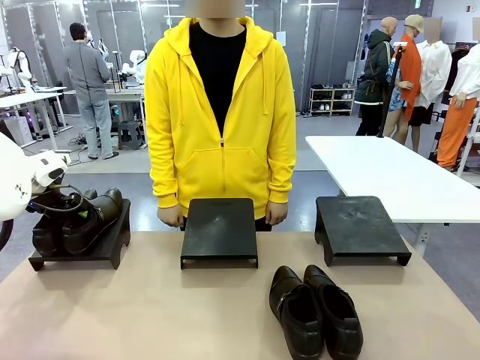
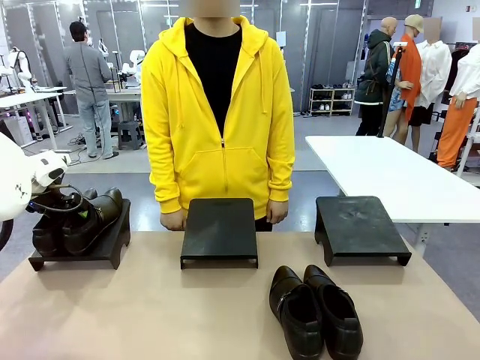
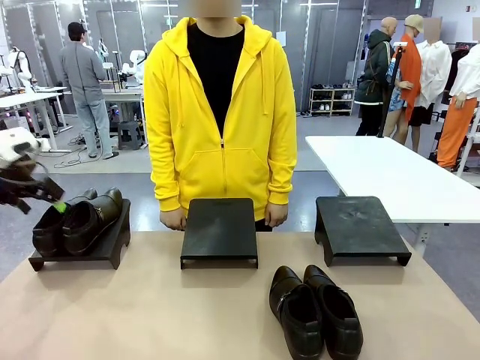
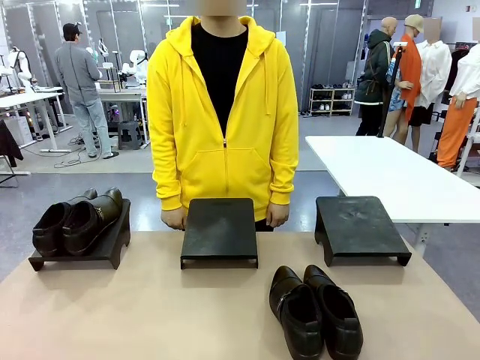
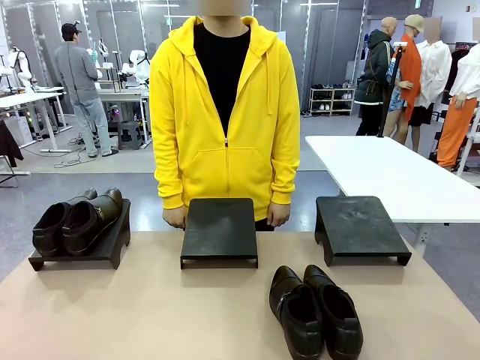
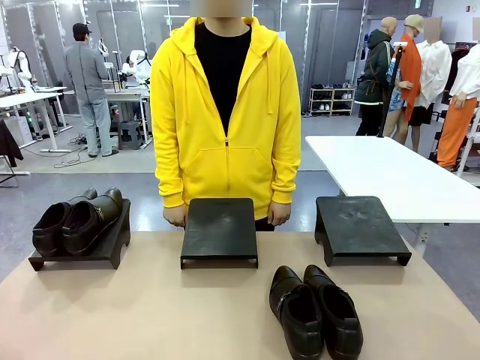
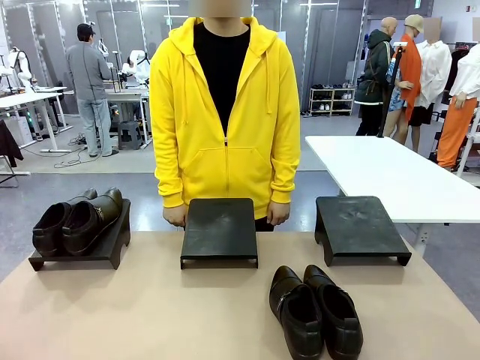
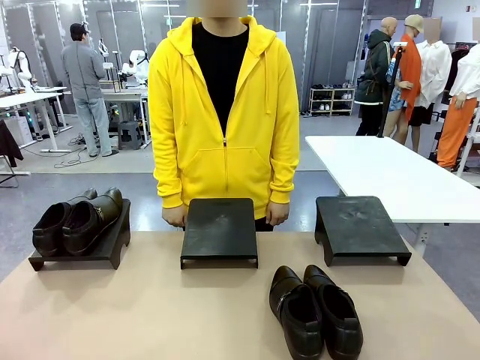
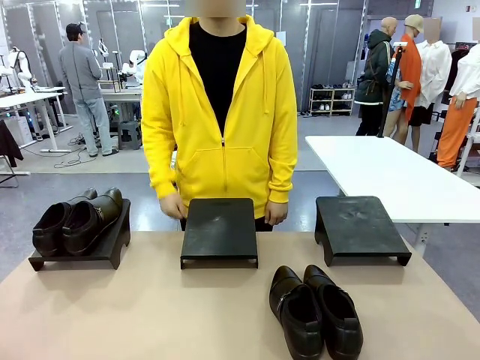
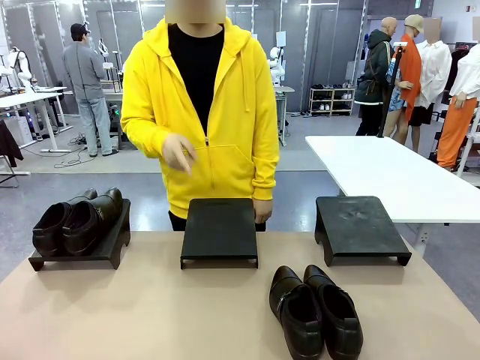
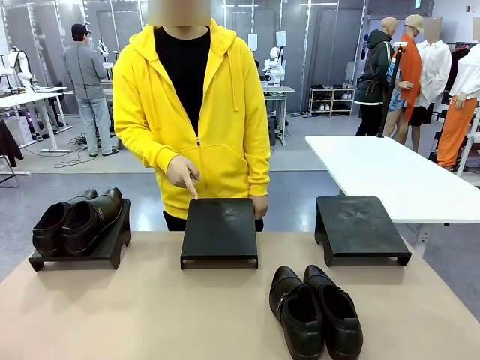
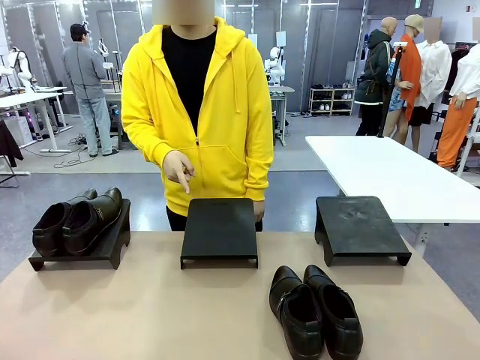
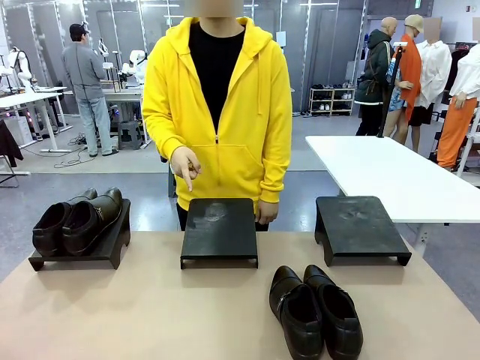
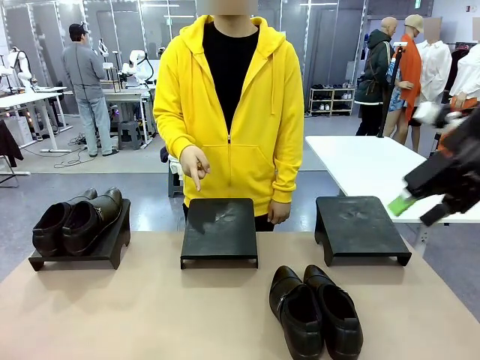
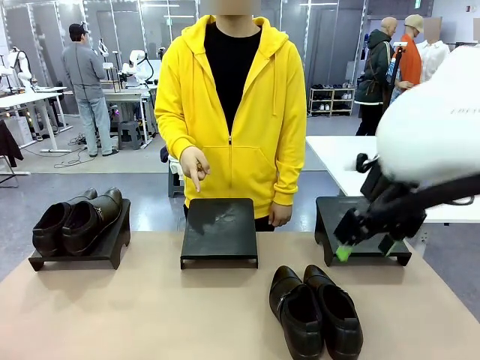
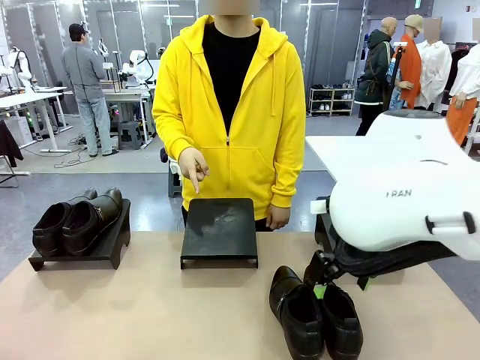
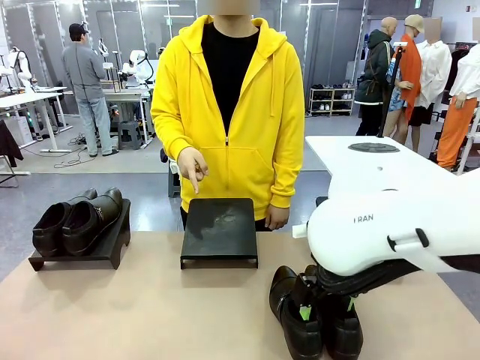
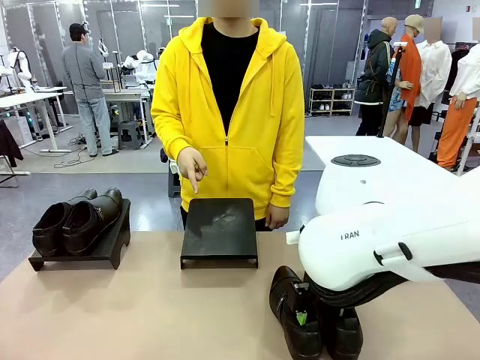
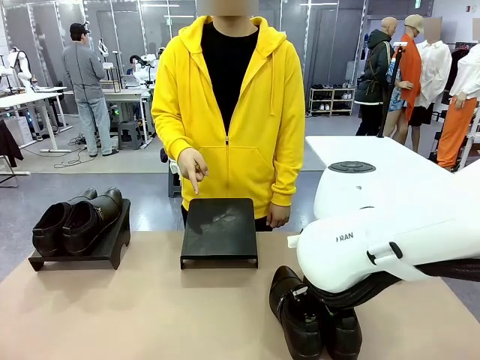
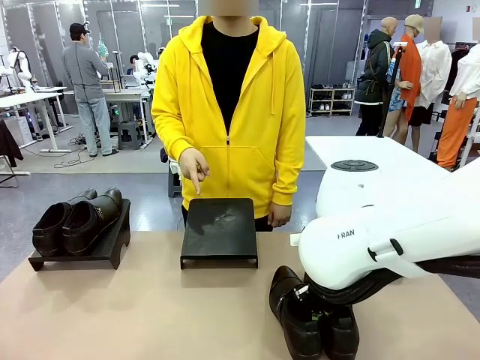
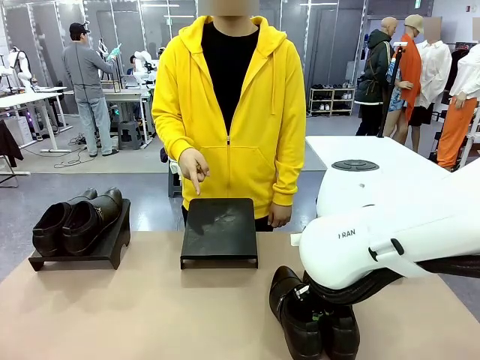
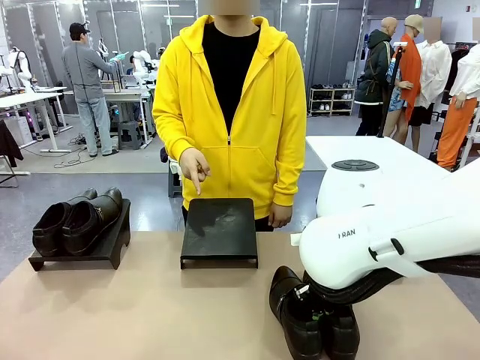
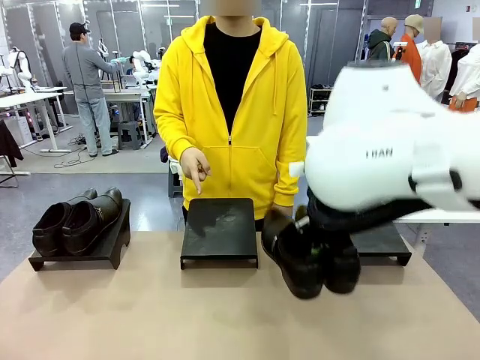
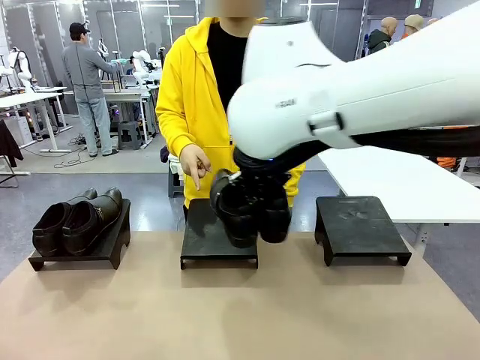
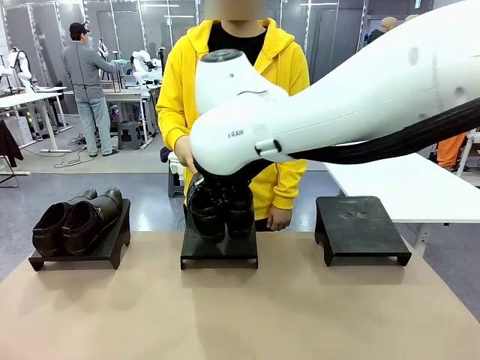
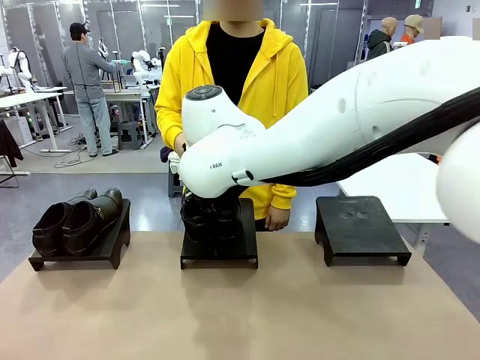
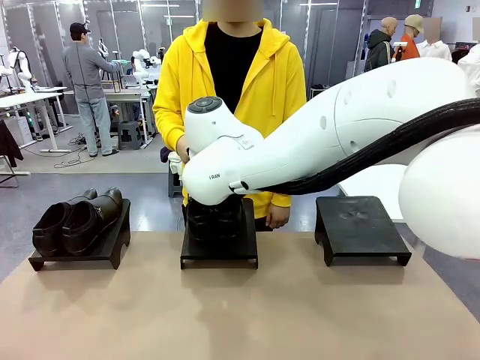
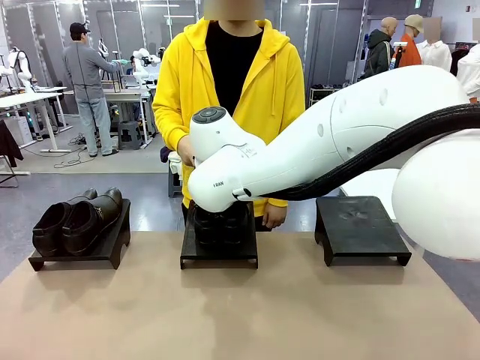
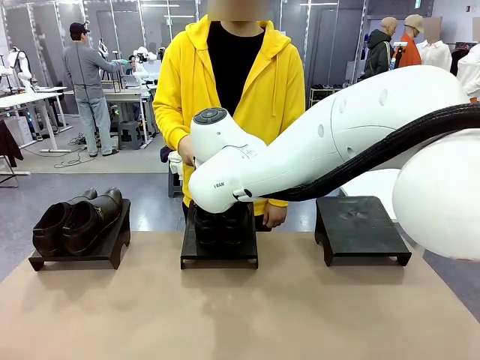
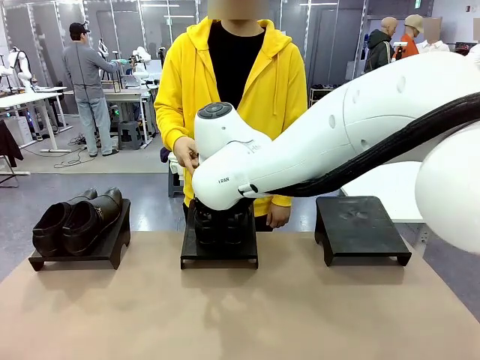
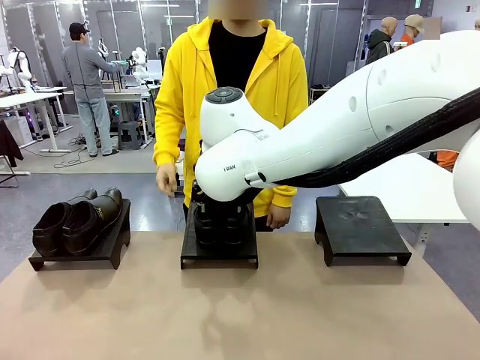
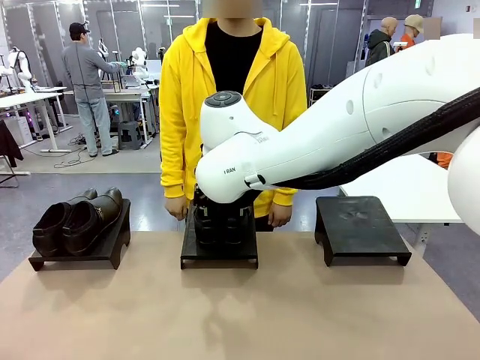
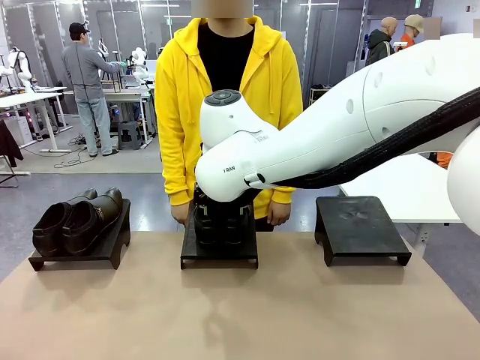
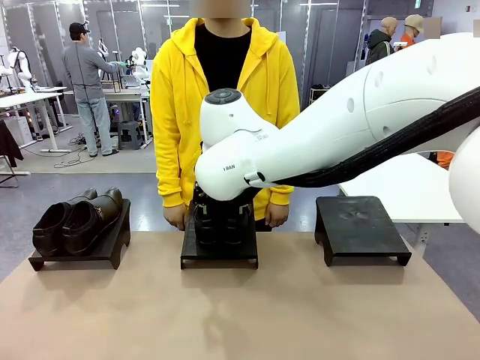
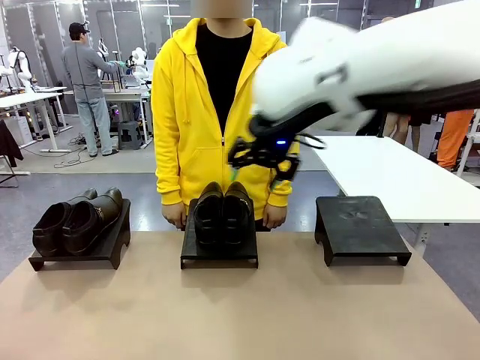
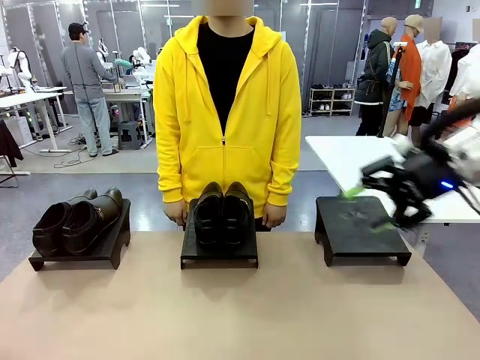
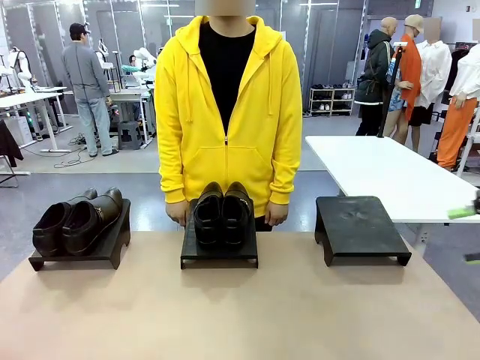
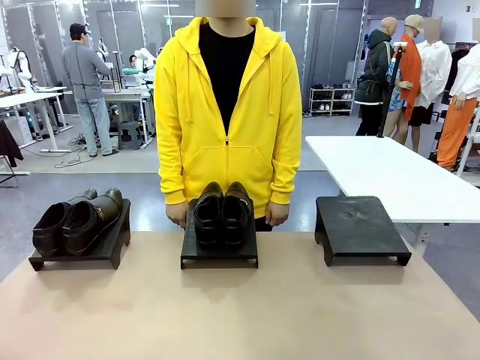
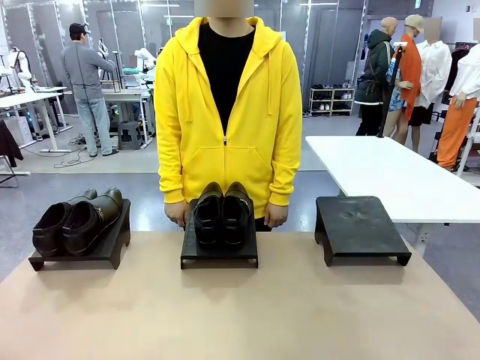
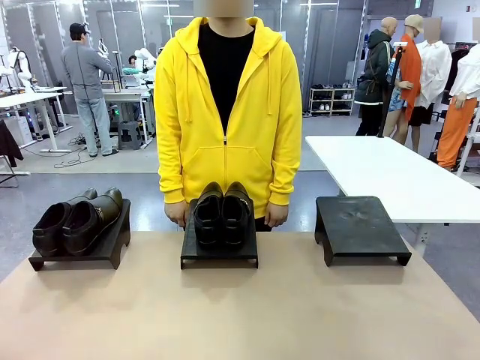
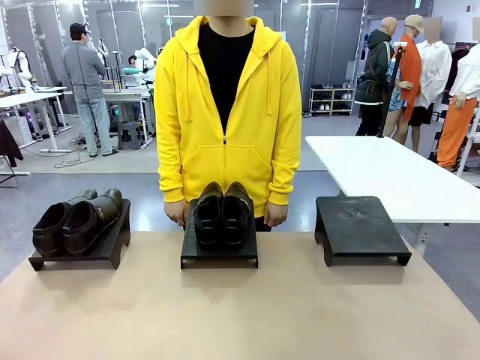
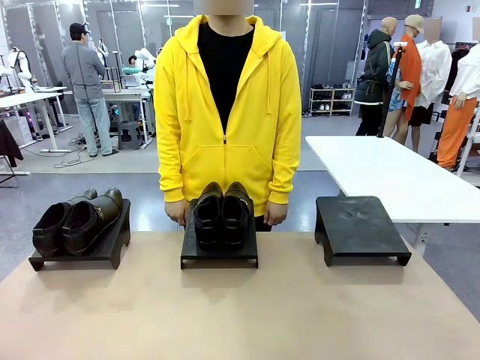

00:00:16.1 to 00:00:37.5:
Task: Place the shoes on the stand as instructed by the person.
Robot: Pick up another pair of Shoes and place it on the Shoes Stand indicated by the person.
Person: Point to one Shoes Stand.
